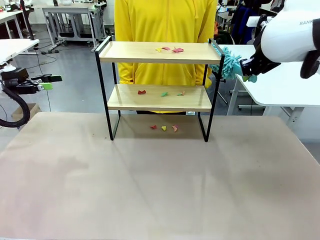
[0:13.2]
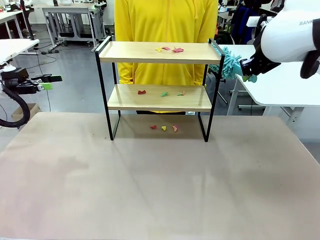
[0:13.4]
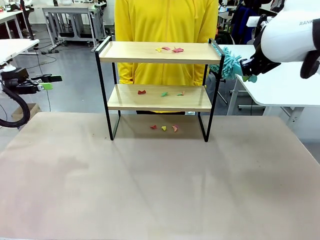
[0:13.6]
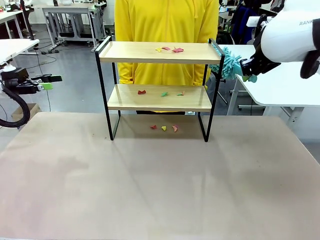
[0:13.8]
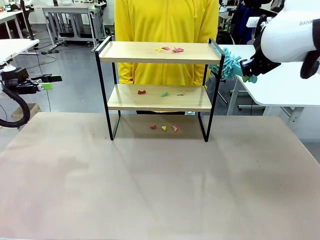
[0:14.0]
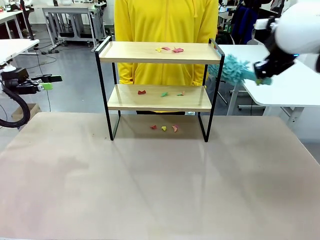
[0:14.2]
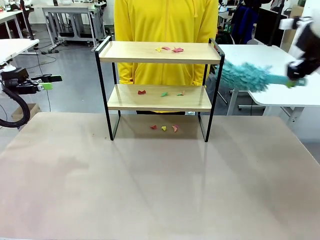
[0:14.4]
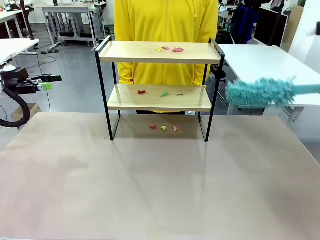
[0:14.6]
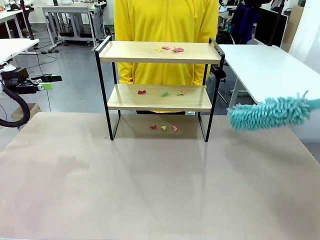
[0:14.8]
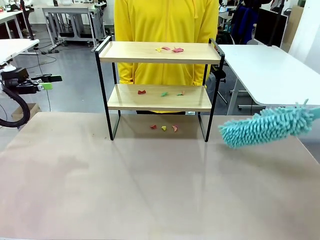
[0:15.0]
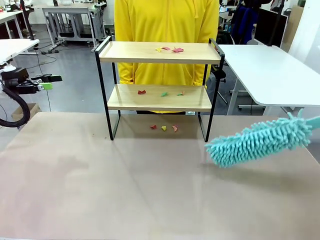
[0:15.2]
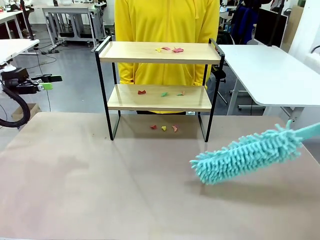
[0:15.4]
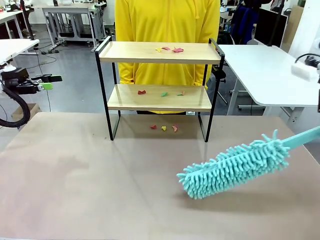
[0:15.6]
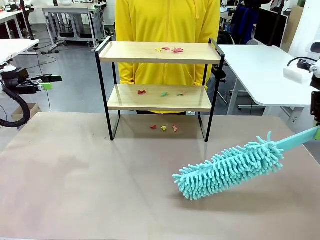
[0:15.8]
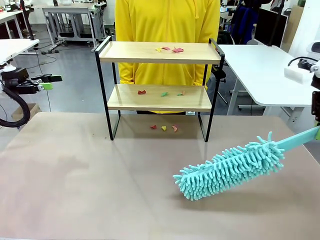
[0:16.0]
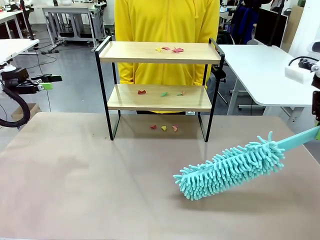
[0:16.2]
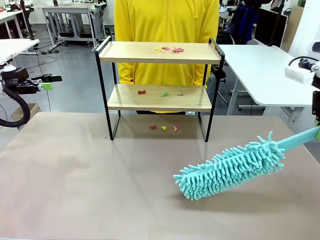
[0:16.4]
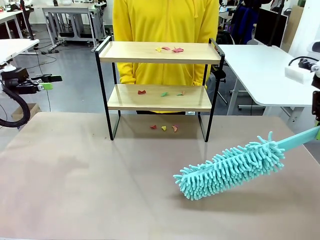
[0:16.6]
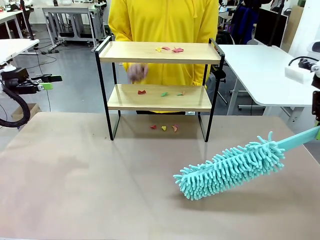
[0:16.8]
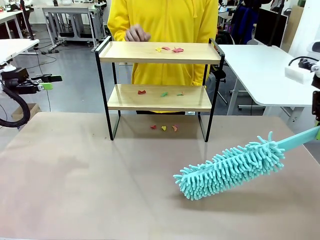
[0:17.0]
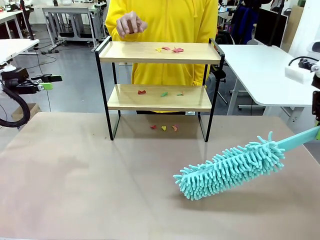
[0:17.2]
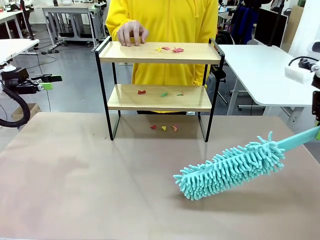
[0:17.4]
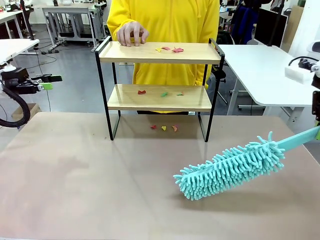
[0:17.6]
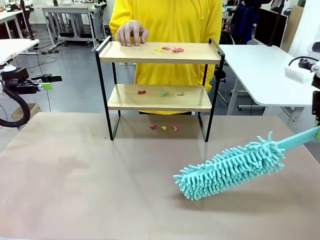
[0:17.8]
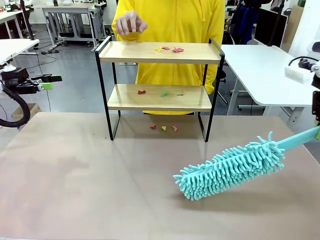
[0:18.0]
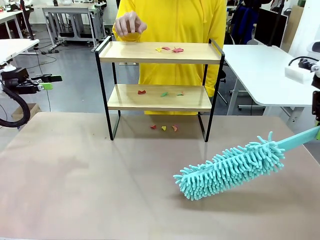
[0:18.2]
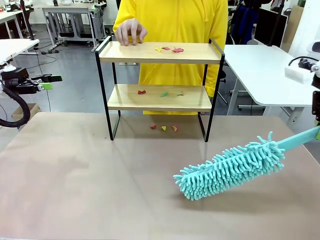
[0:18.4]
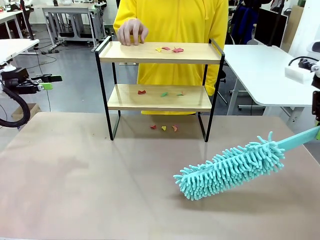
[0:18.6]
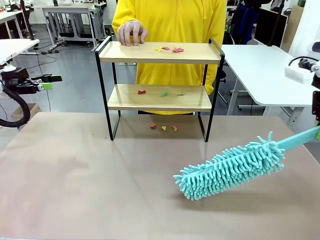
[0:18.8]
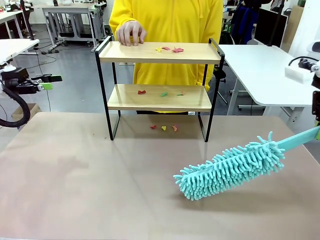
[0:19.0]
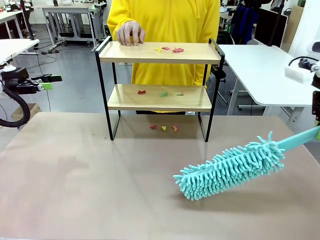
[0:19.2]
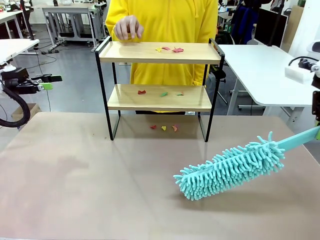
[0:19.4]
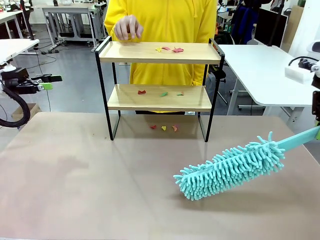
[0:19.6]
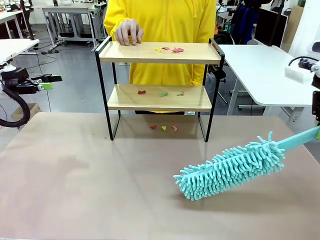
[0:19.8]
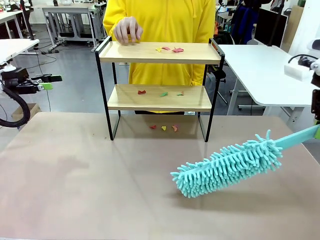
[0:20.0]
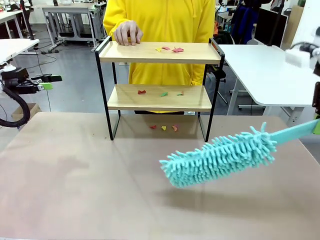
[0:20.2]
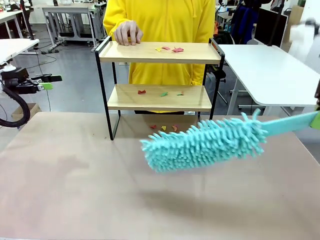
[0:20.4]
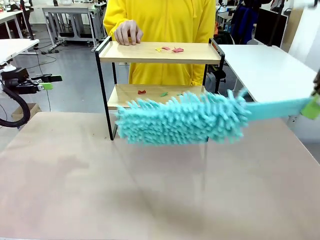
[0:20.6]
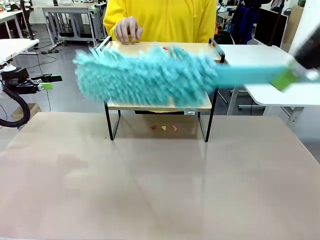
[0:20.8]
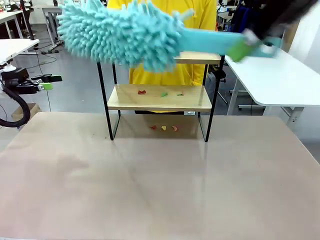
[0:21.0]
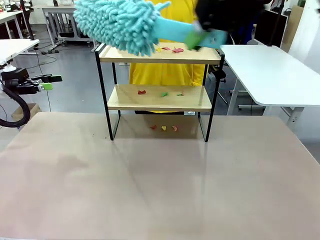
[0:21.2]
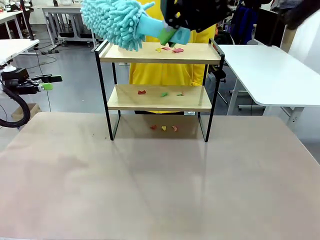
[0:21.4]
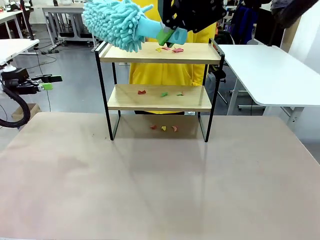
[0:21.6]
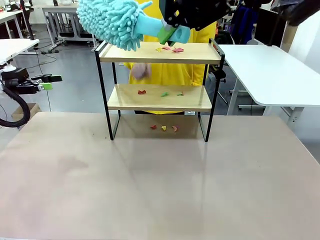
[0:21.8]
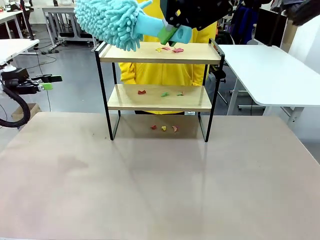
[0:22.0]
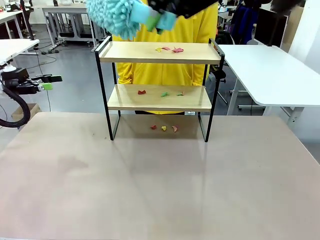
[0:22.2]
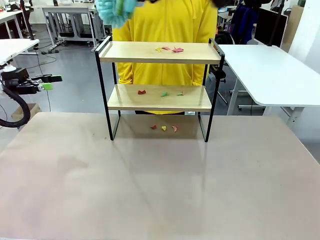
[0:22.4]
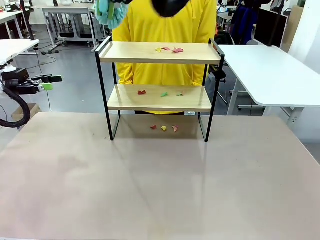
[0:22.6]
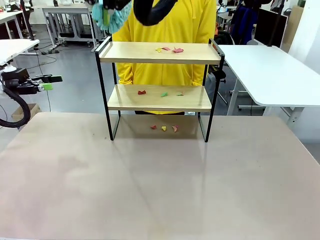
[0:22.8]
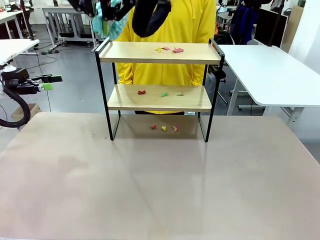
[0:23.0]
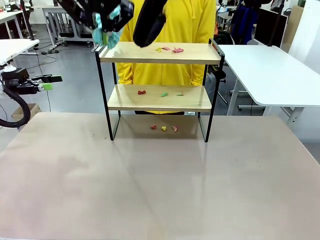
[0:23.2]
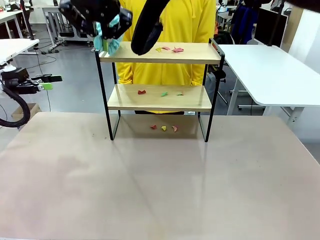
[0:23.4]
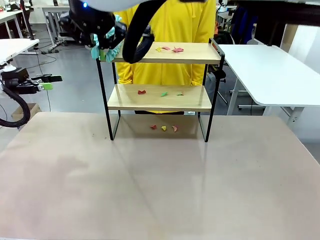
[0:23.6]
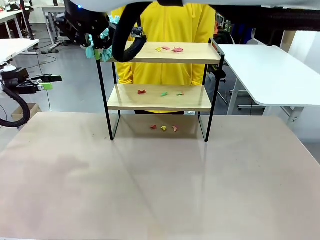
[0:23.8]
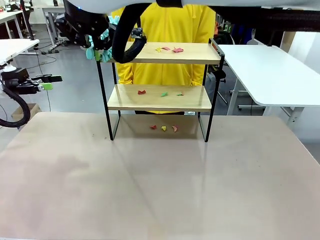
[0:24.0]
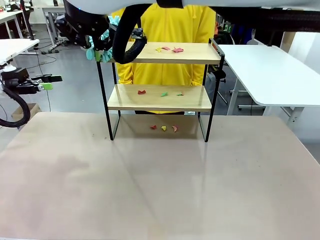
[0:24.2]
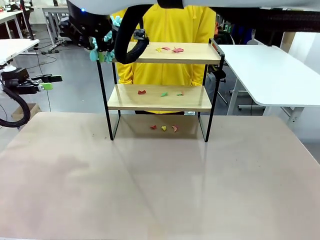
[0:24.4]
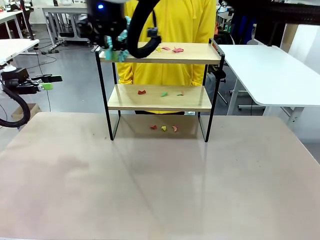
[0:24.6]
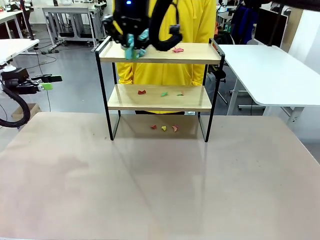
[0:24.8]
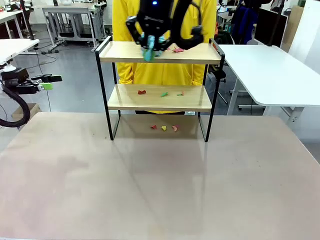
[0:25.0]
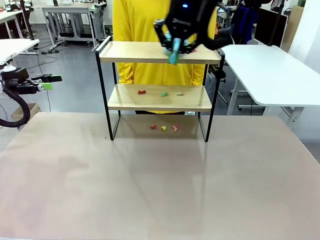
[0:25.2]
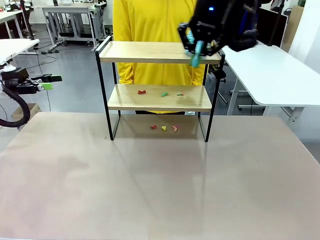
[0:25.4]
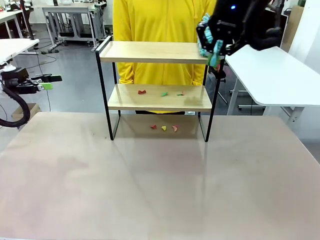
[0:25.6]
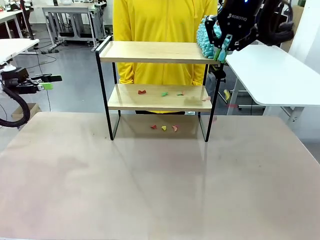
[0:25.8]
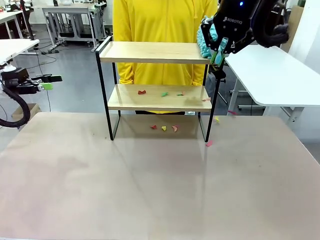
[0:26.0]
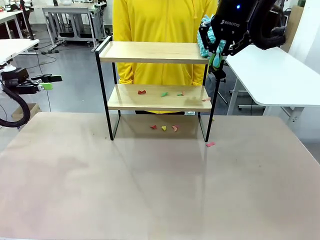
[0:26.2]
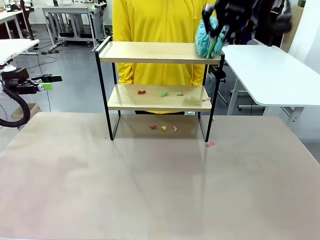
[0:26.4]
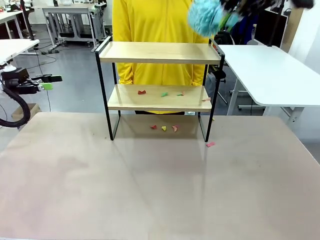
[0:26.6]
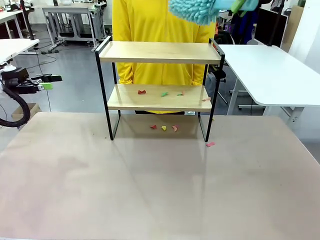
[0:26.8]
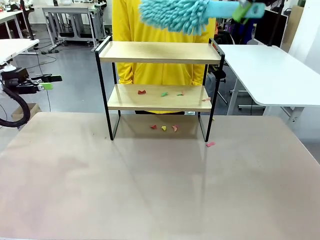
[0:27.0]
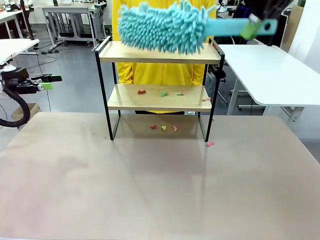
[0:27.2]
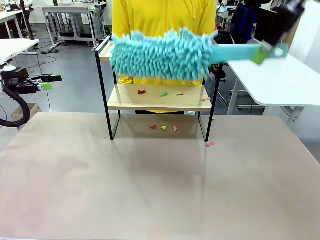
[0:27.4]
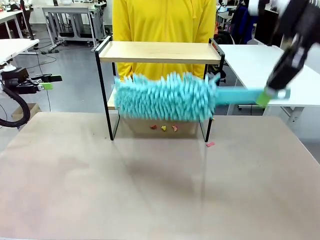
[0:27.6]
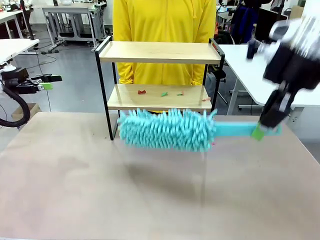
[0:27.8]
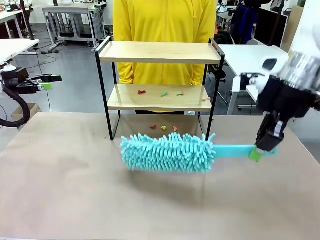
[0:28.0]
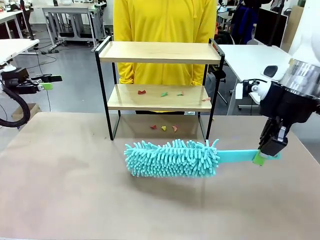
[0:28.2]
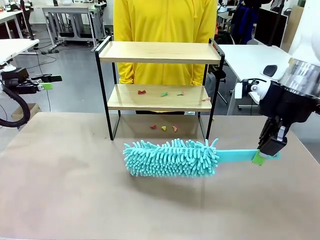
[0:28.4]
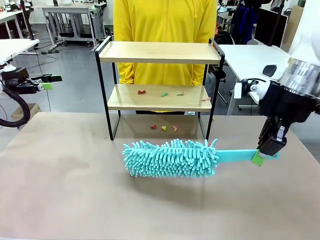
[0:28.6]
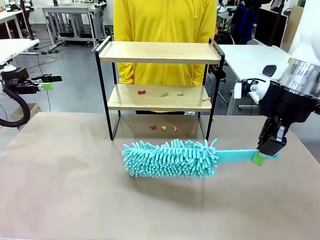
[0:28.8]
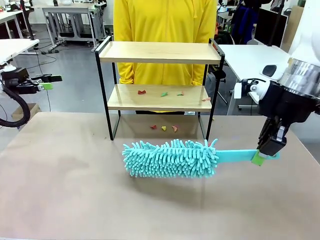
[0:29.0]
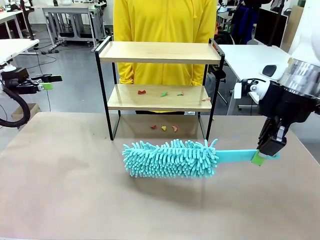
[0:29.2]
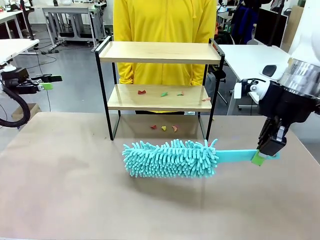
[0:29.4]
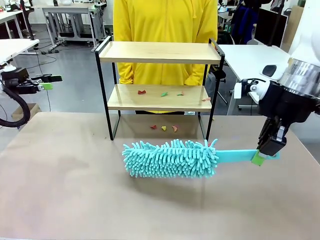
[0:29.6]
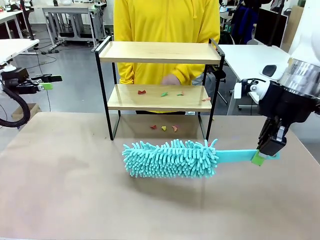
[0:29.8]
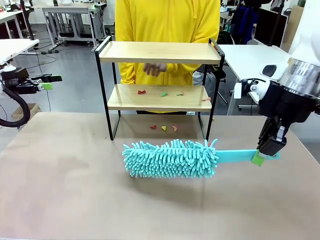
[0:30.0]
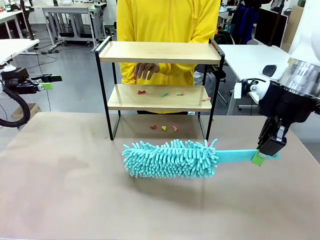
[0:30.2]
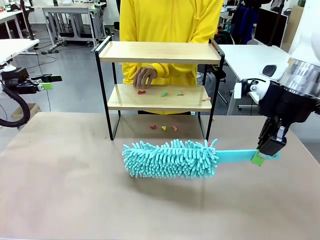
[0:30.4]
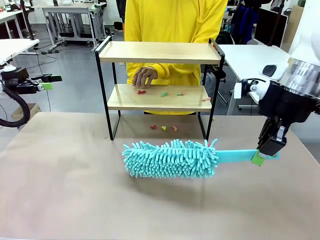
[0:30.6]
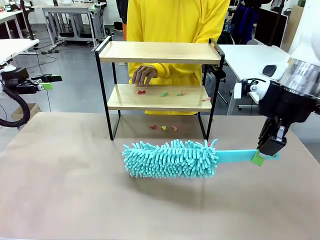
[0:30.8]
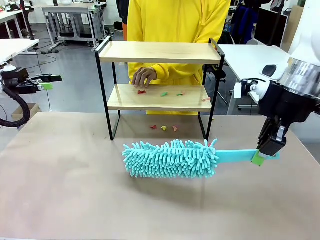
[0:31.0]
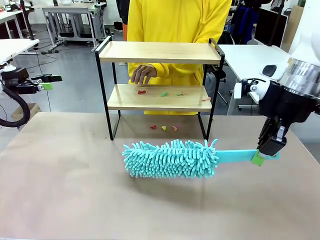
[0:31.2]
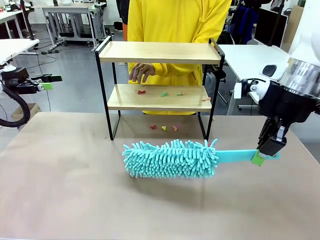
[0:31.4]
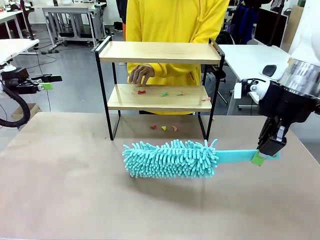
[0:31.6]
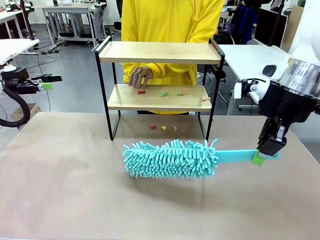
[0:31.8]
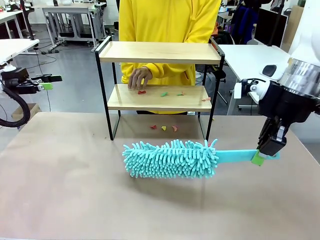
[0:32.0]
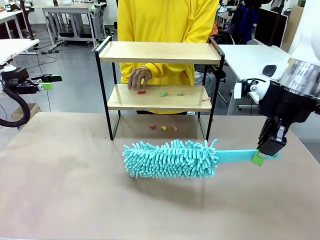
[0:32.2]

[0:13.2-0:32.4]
Task: Clean the shelf.
Robot: Clean the specific section of the Shelf indicated by the human with the Duster.
Person: Point a random section of the Shelf.
